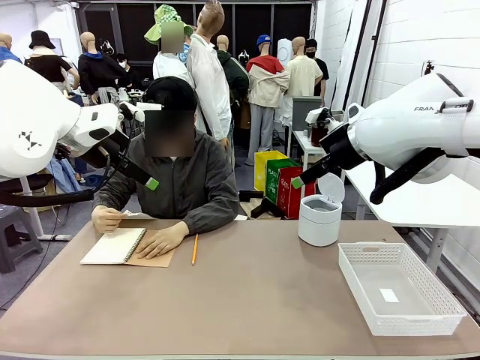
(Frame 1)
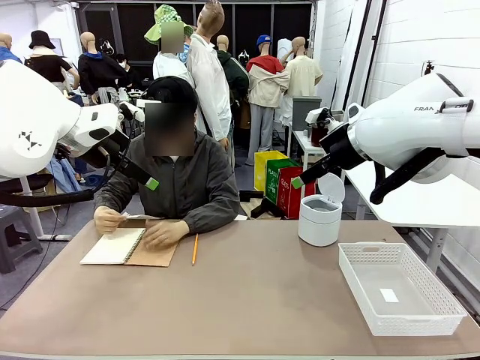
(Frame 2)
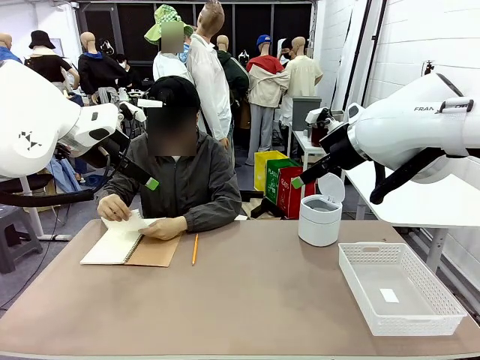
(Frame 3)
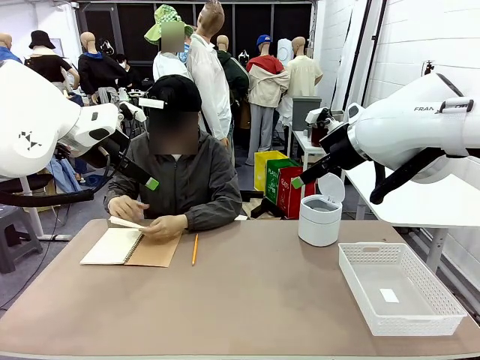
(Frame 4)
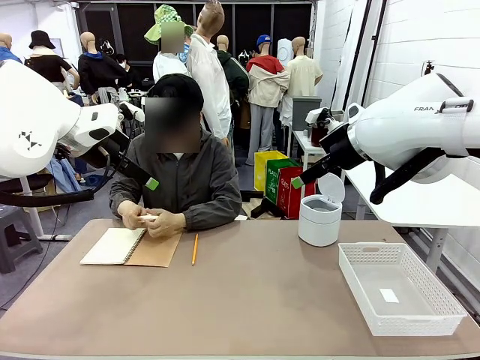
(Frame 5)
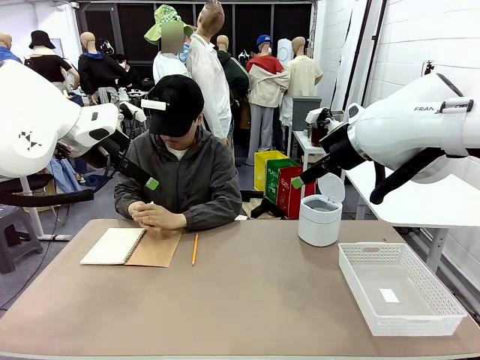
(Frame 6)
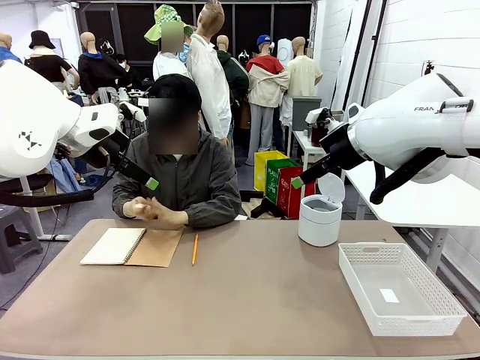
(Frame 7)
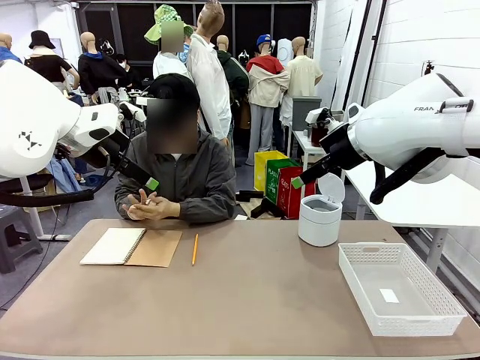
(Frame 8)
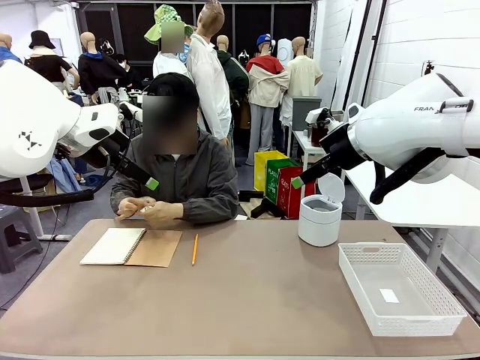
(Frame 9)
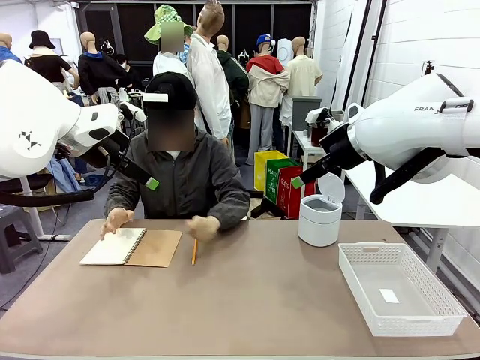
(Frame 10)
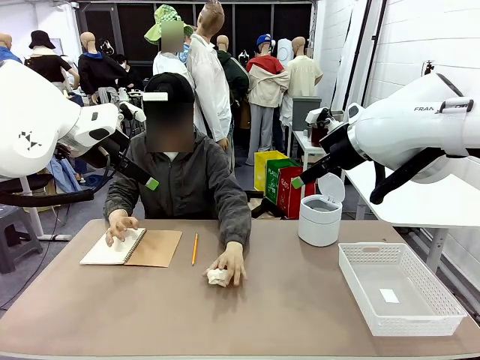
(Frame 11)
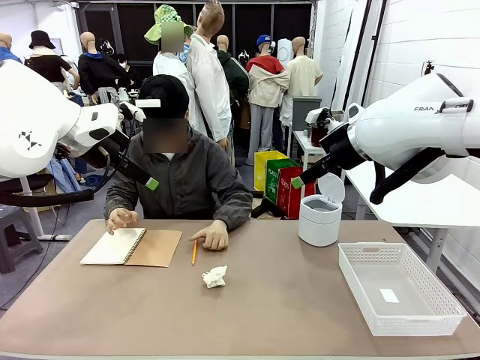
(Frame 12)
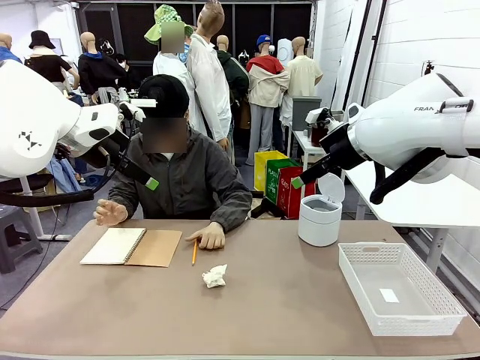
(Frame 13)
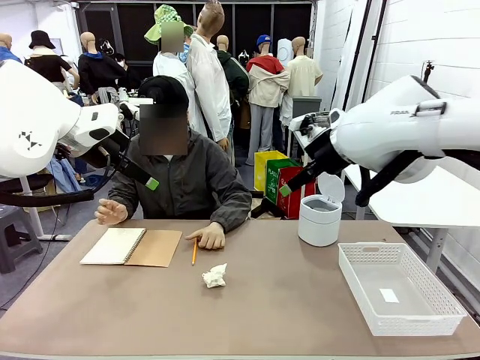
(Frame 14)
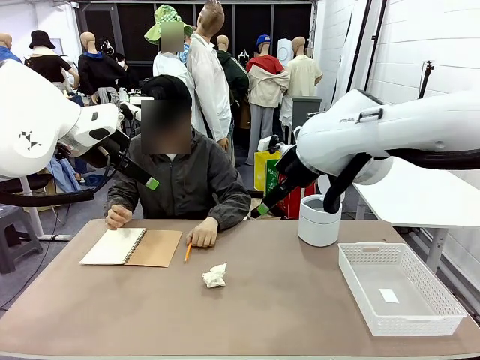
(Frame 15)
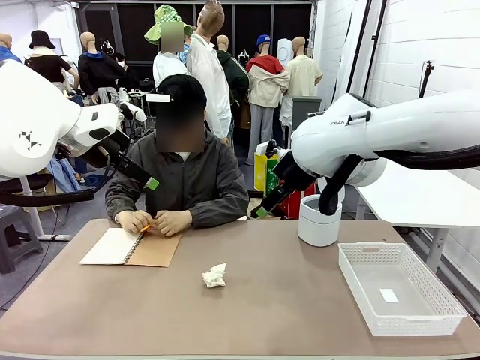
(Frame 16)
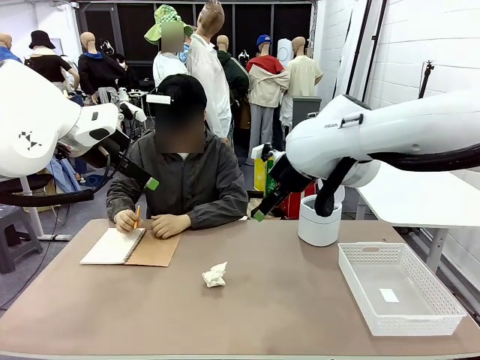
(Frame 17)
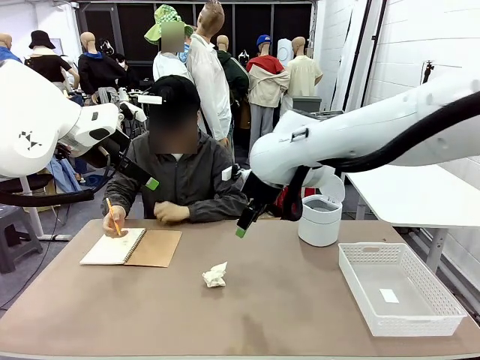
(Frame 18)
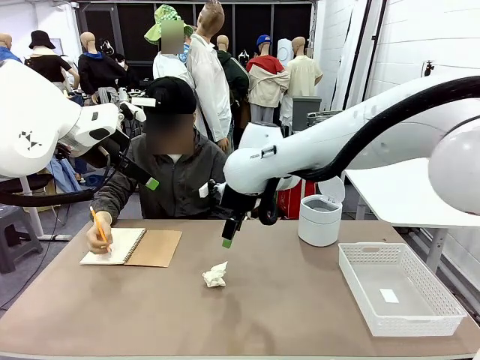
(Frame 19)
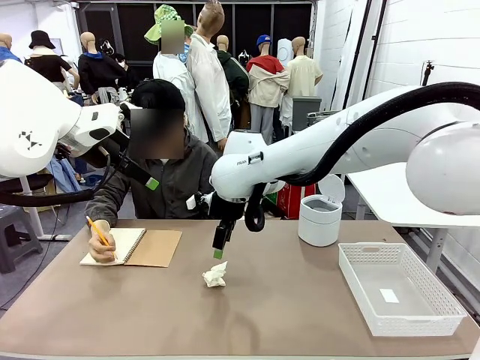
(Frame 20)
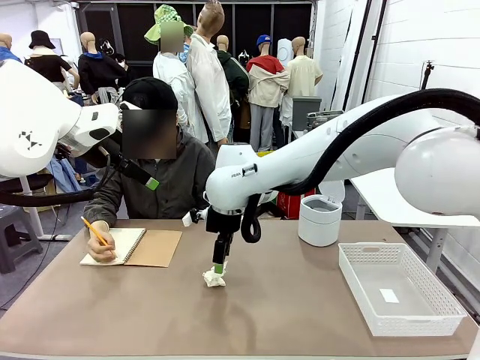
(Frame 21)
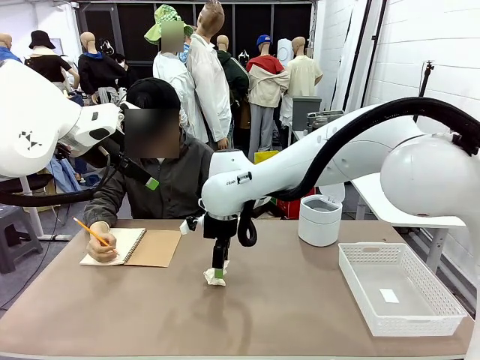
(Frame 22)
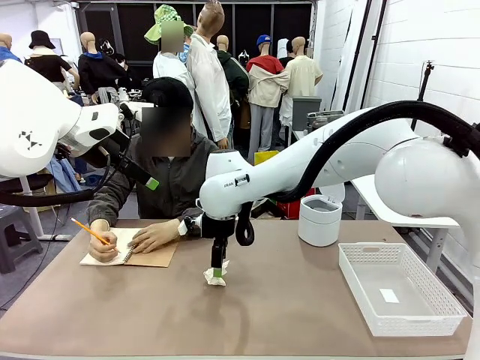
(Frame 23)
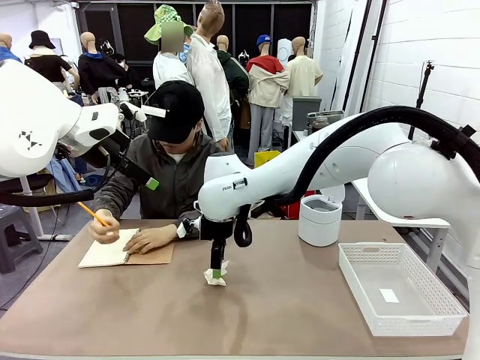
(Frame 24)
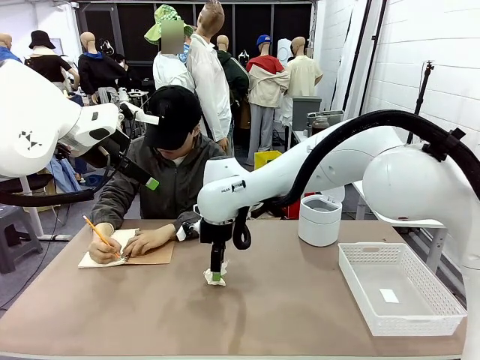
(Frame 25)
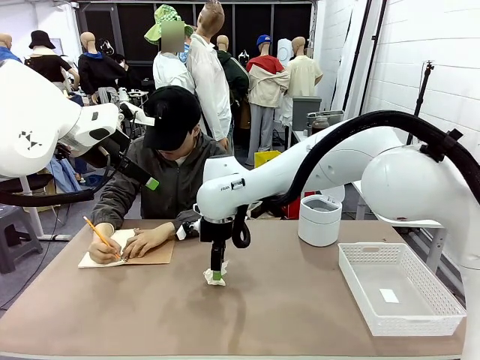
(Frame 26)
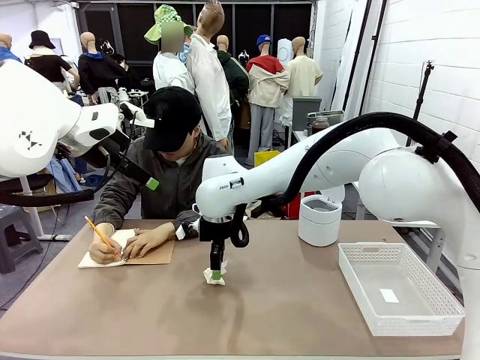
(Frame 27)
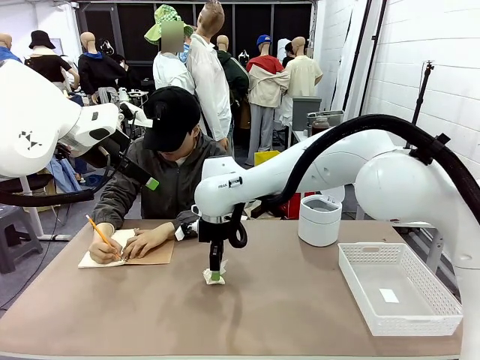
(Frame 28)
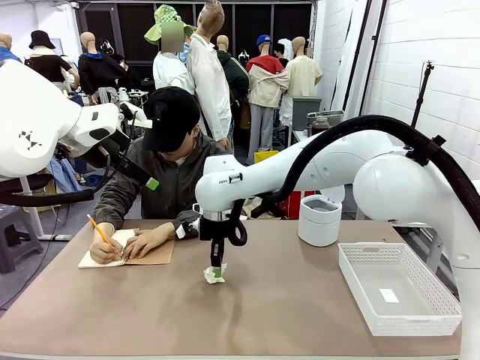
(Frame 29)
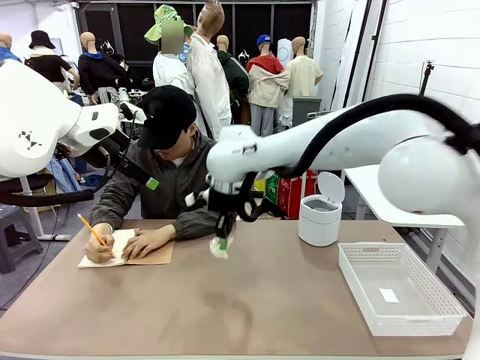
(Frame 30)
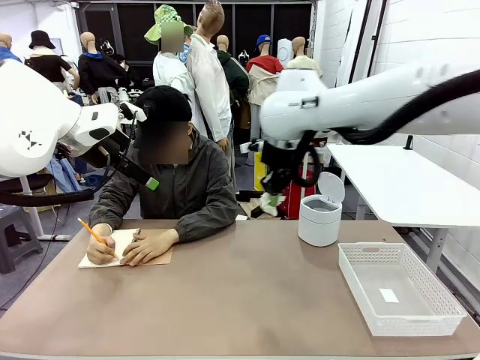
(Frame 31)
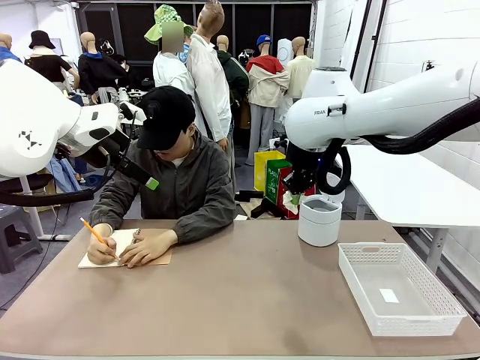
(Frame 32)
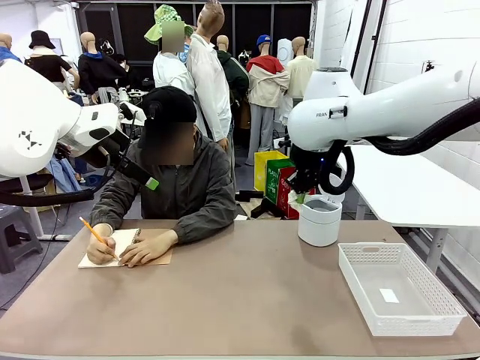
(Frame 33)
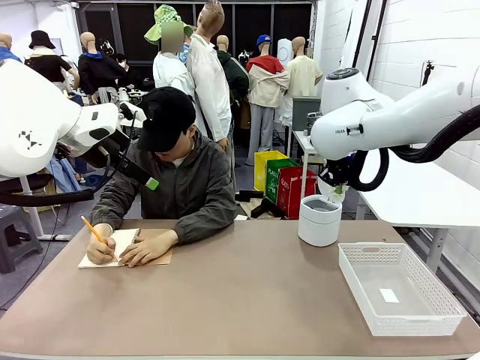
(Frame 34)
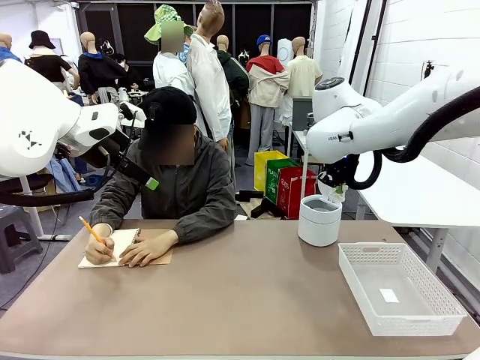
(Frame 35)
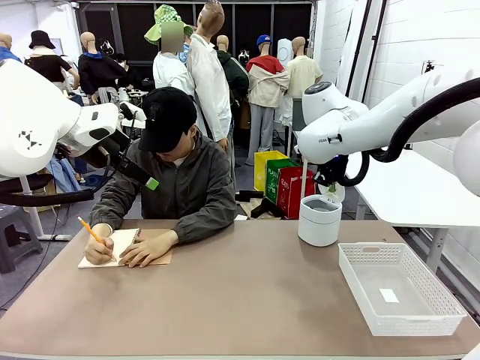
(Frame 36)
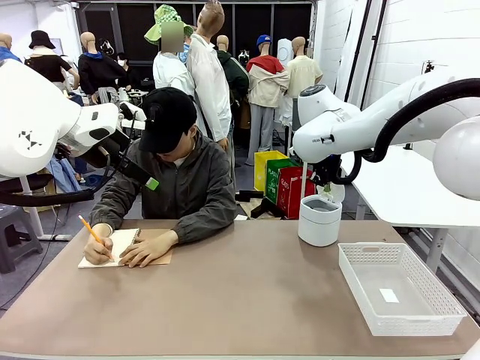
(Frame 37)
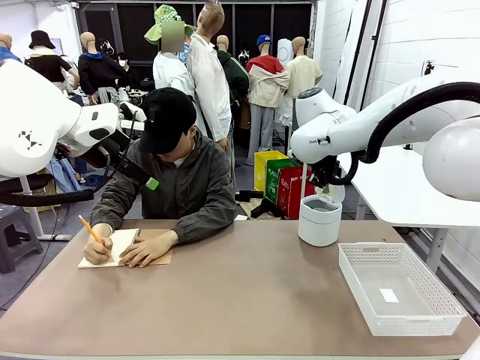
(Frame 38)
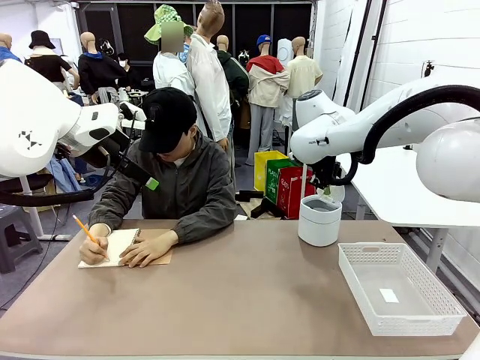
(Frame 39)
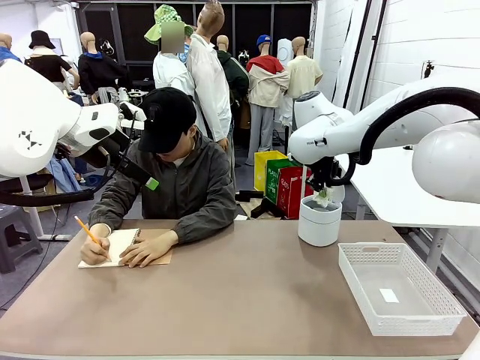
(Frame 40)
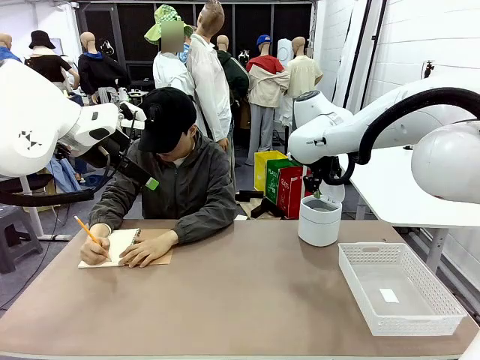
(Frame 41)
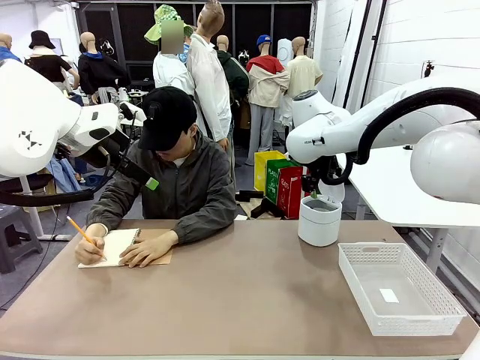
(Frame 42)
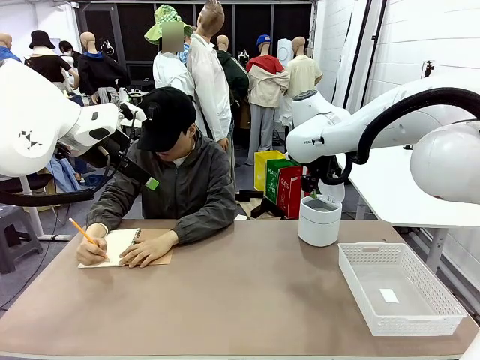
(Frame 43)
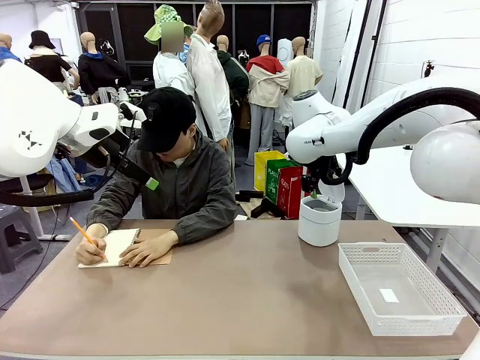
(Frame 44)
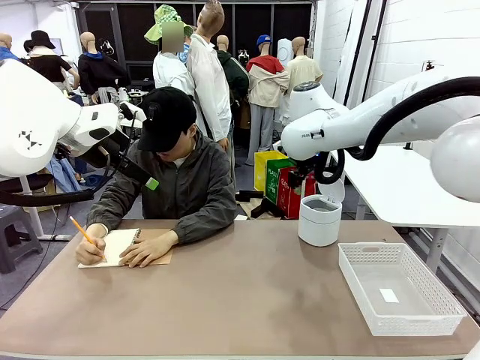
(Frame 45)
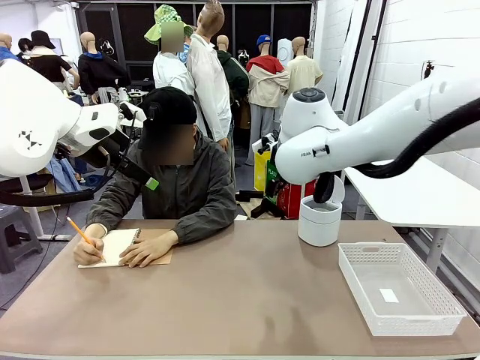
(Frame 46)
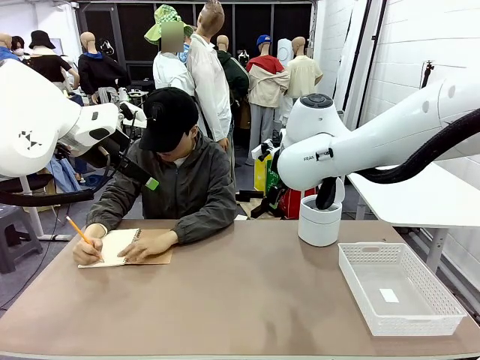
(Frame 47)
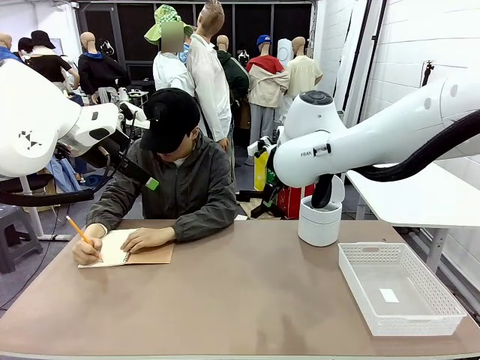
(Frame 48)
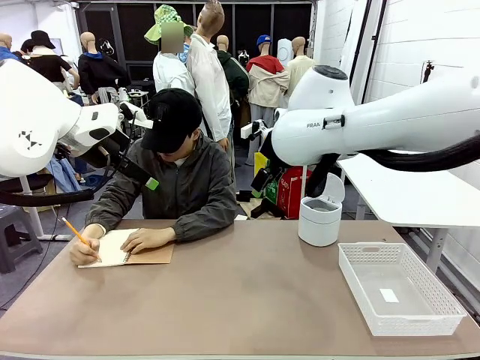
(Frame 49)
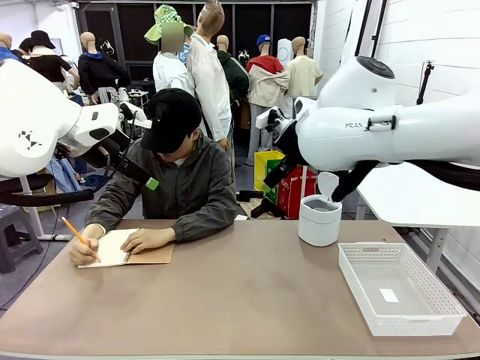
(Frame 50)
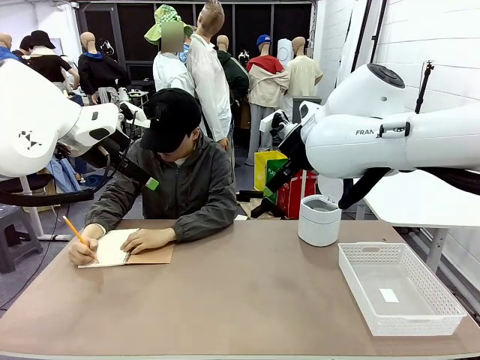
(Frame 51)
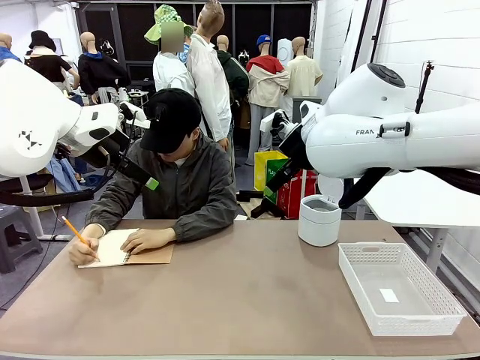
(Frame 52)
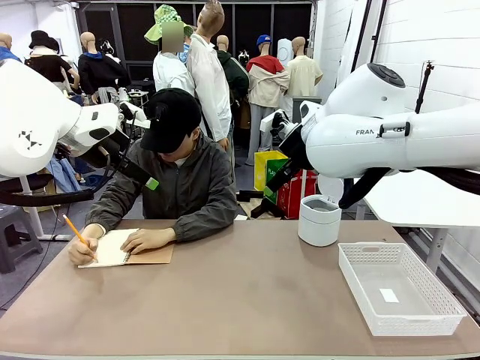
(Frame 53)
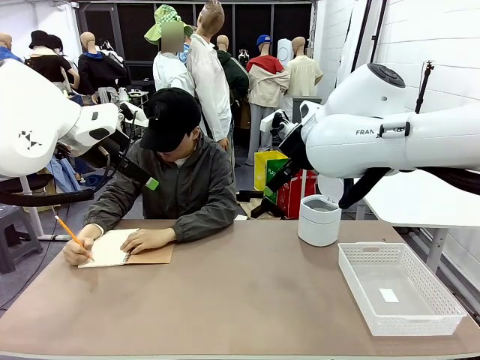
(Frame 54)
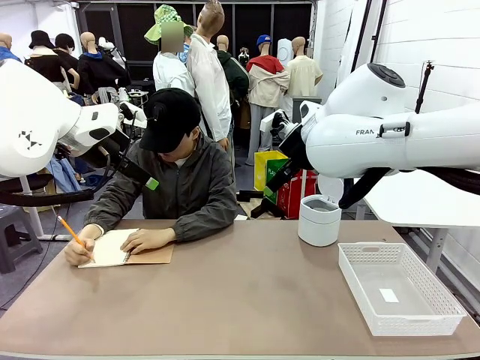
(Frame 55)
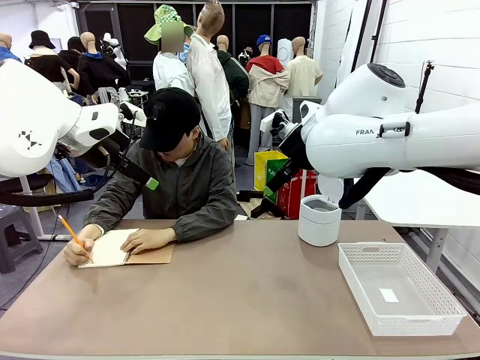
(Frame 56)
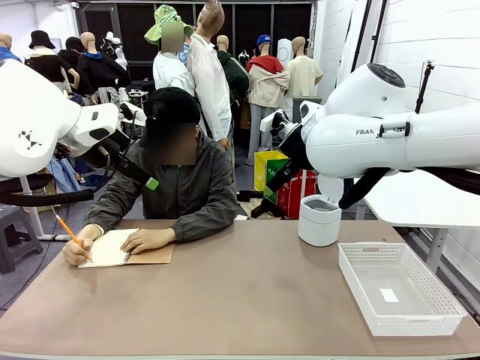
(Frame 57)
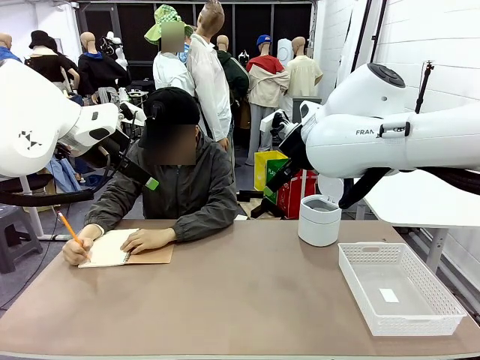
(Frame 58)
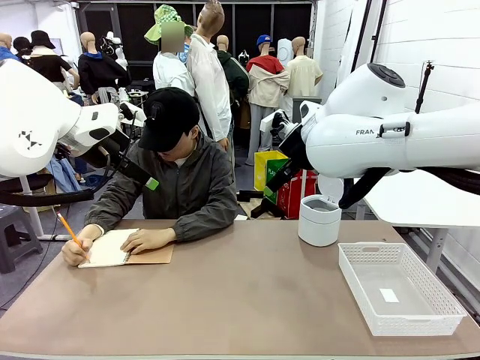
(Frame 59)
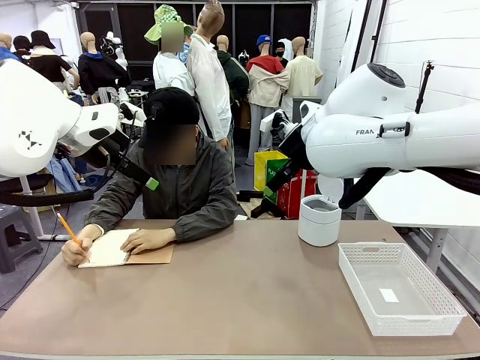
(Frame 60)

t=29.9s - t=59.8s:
Task: Sort the paper based on its condition.
Robot: If a person hands you a paper, place it in the Organizing basket , and if it's crumpled, put it in the Trash can.
Person: Hand the torn page to the robot or crumple it and throw it to the center of the table. Tear out a page from the spiral notebook.
